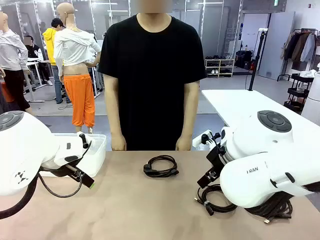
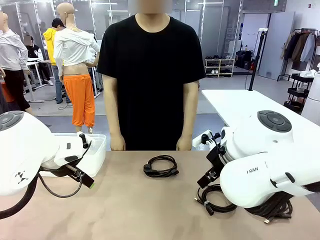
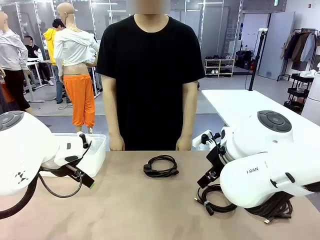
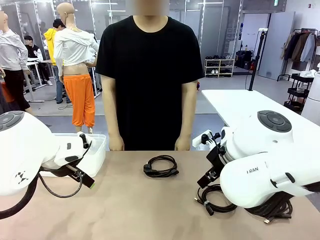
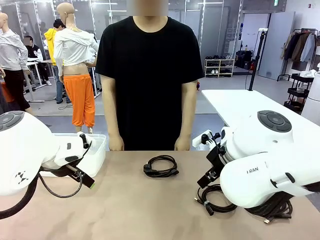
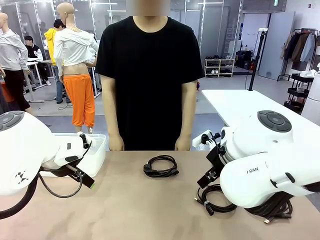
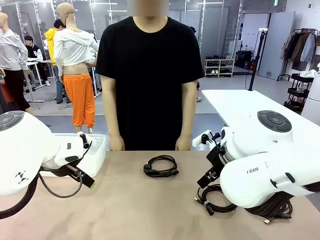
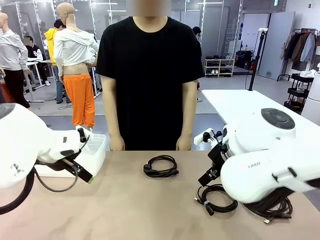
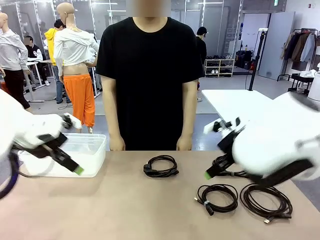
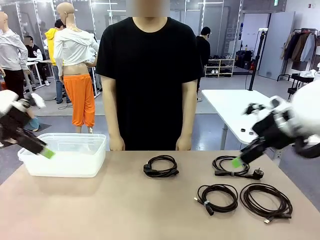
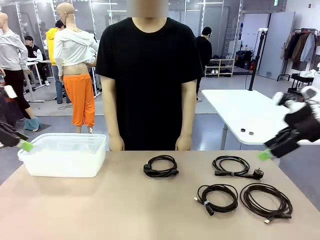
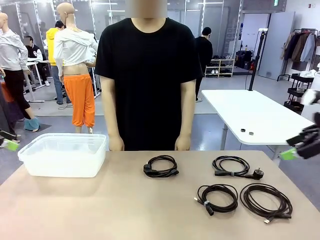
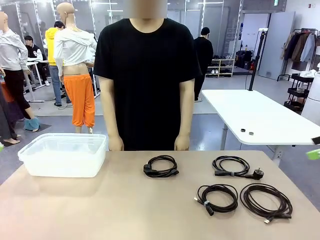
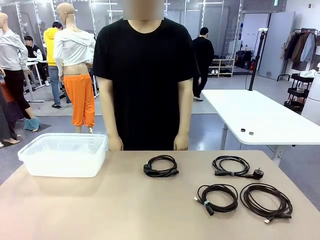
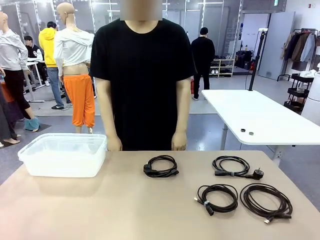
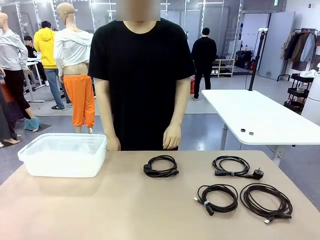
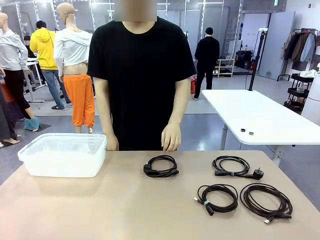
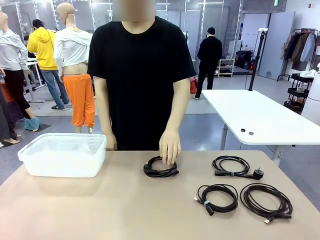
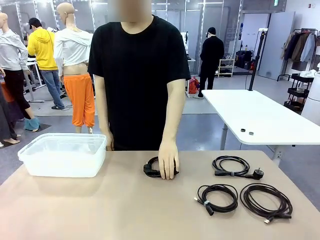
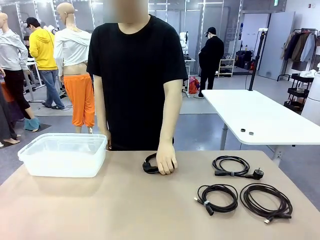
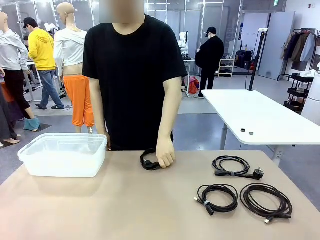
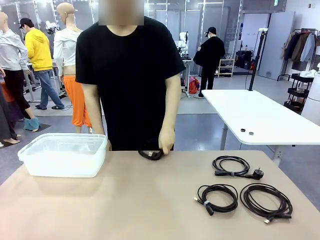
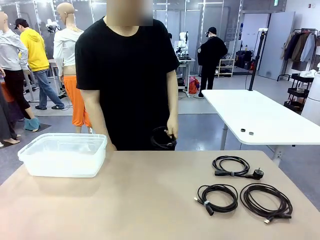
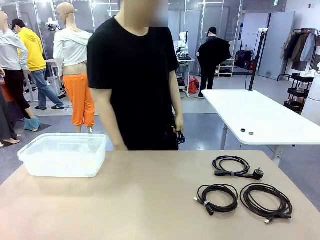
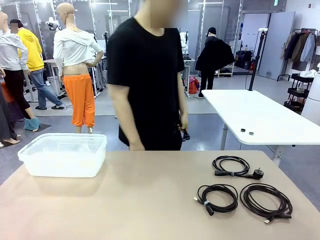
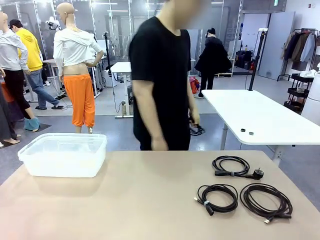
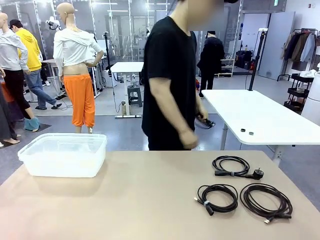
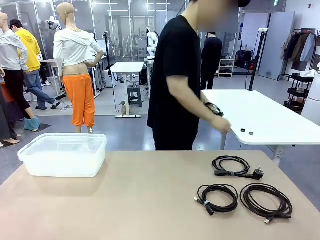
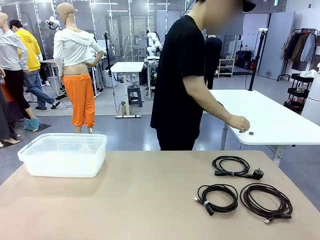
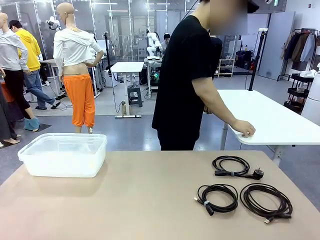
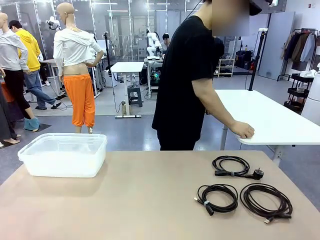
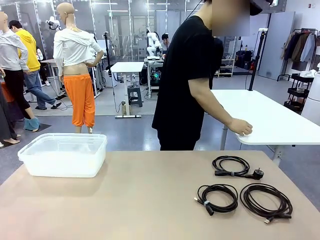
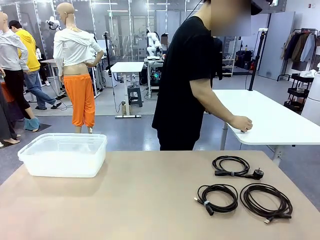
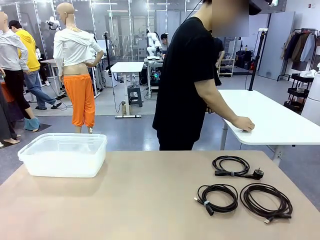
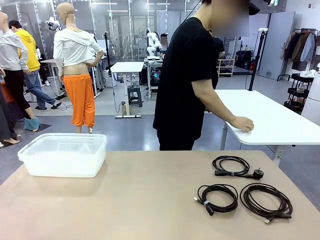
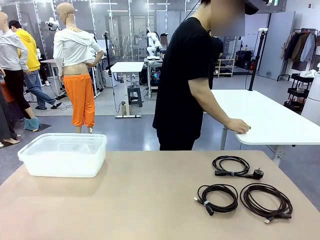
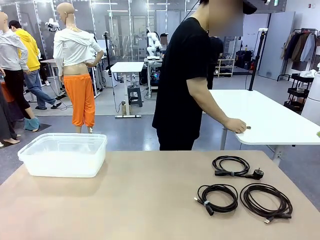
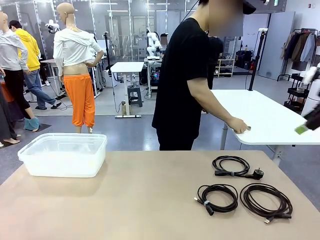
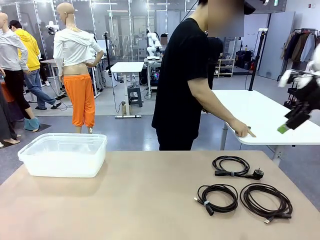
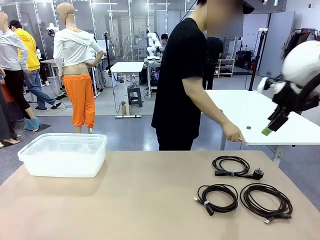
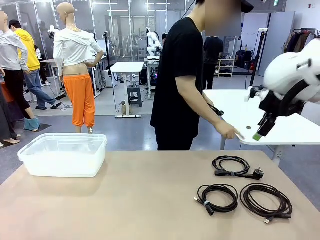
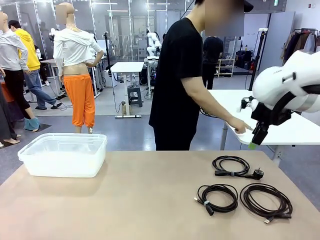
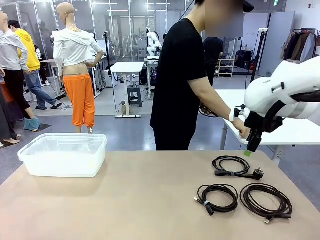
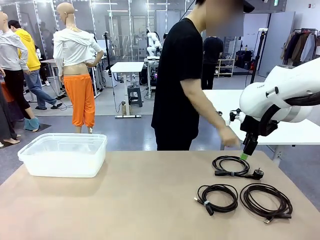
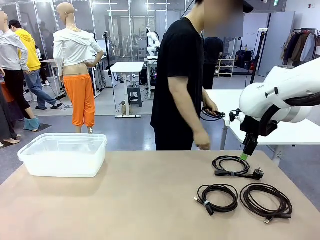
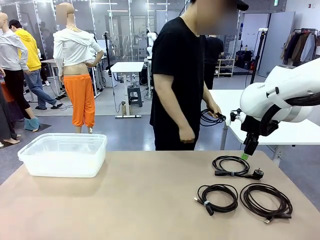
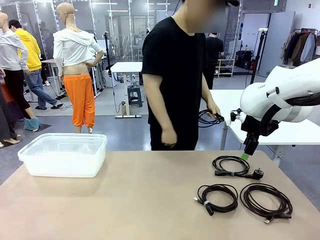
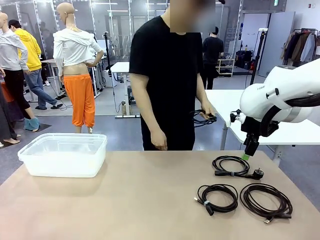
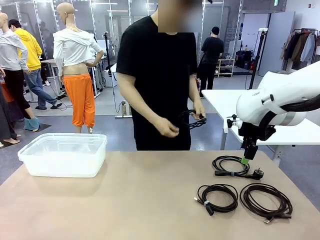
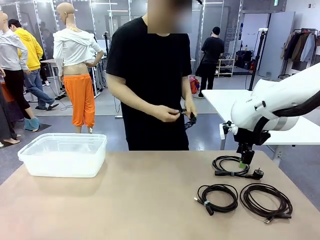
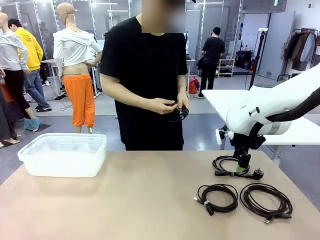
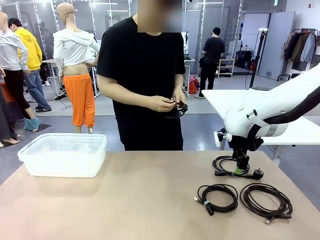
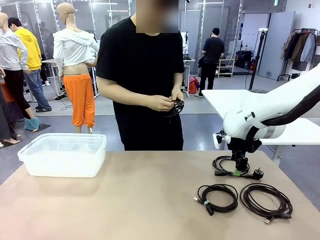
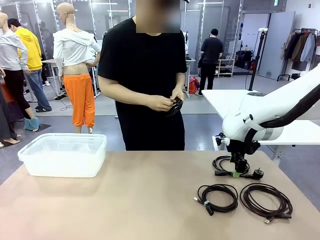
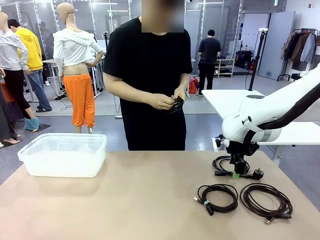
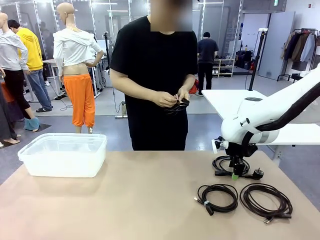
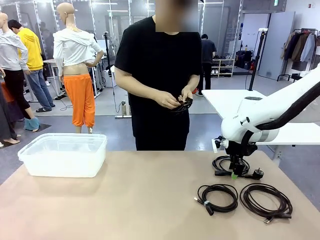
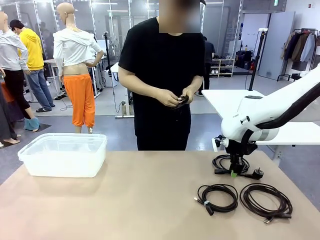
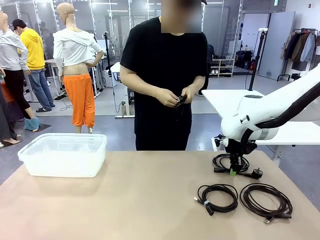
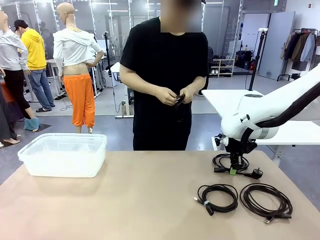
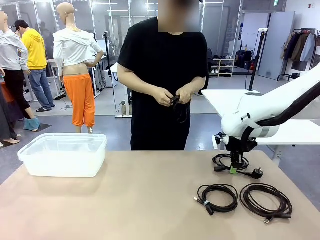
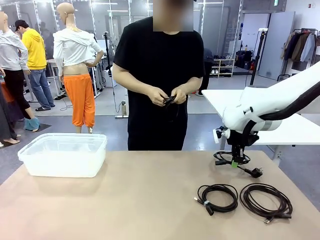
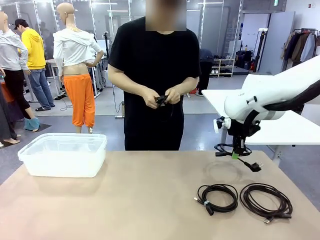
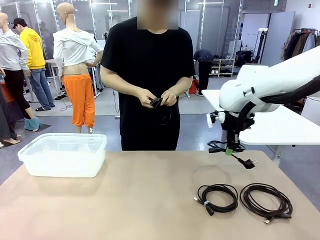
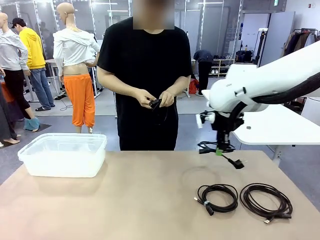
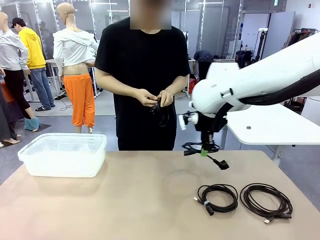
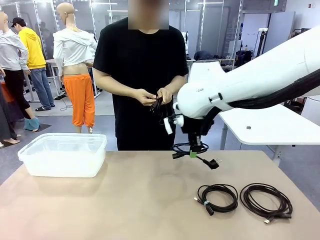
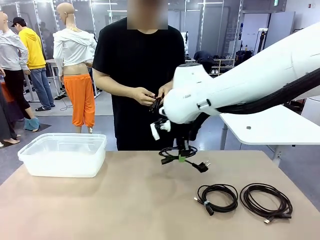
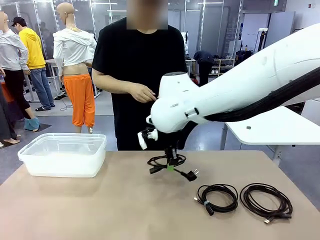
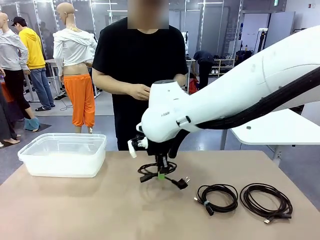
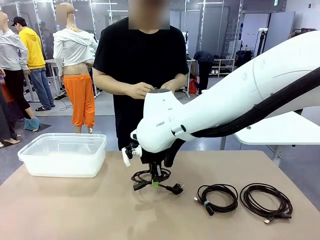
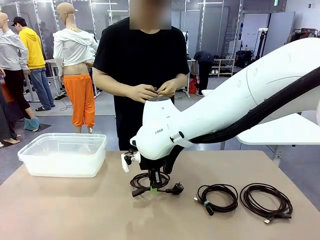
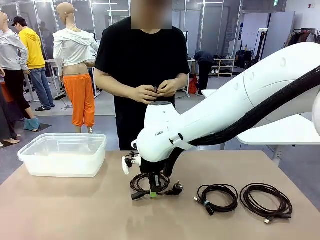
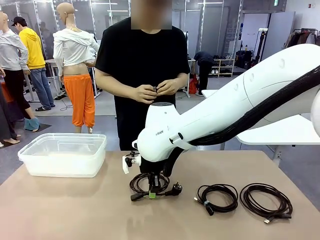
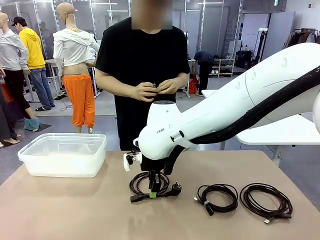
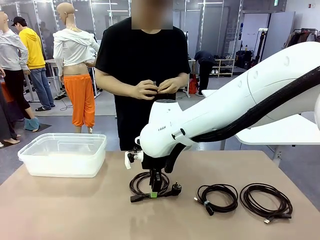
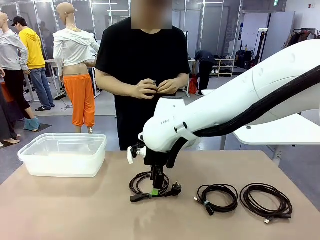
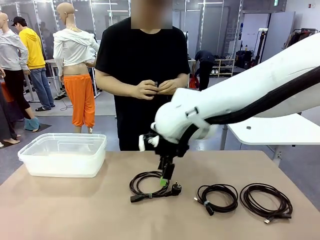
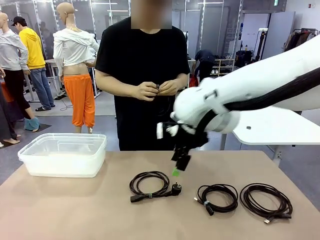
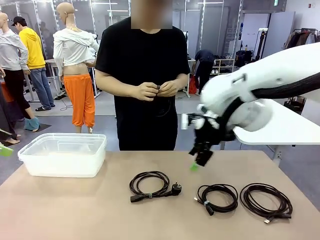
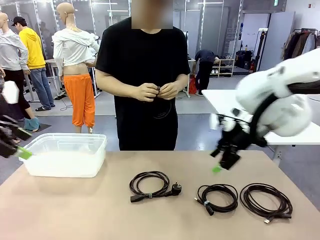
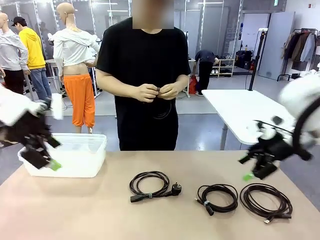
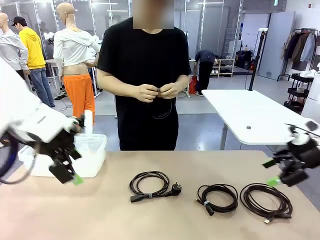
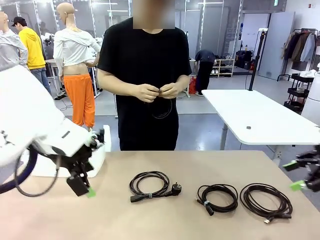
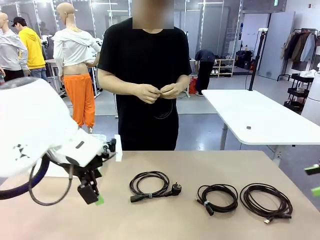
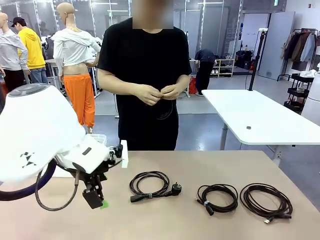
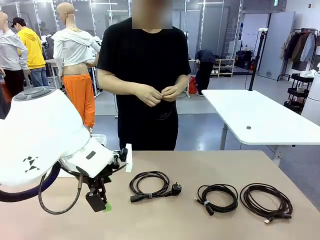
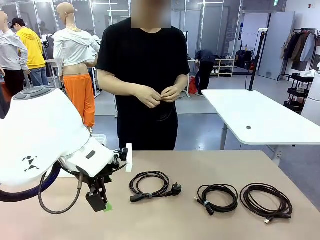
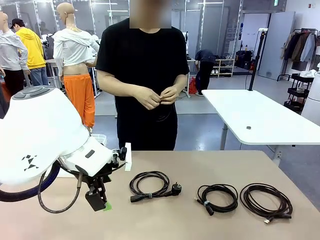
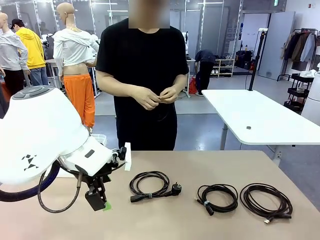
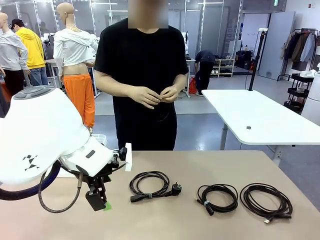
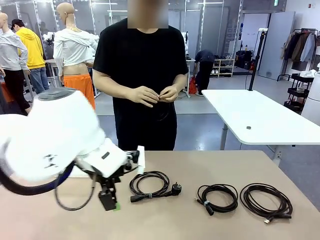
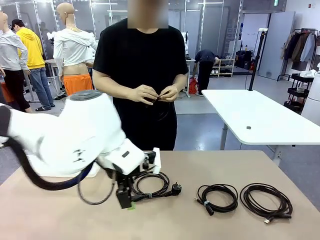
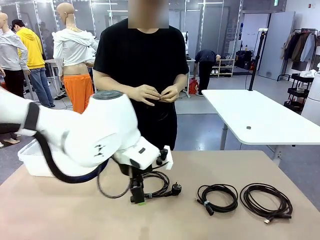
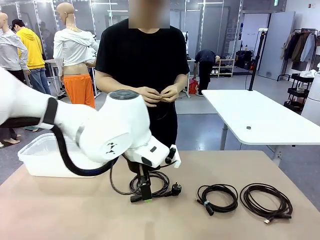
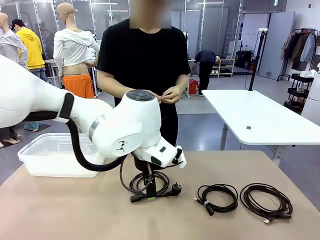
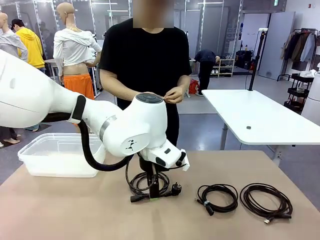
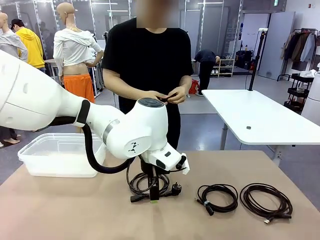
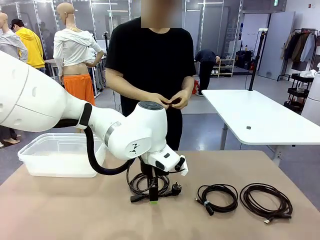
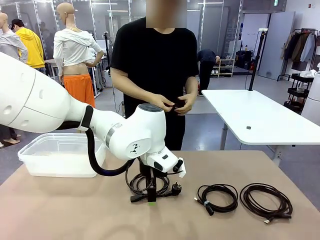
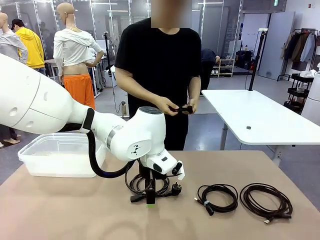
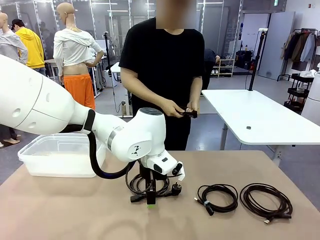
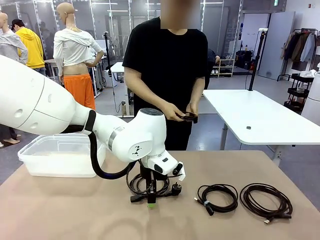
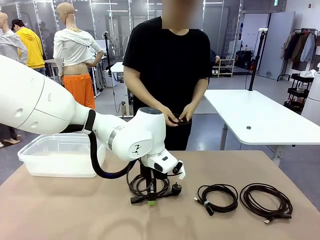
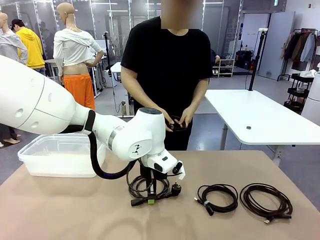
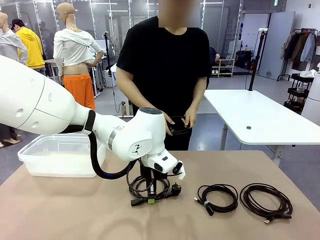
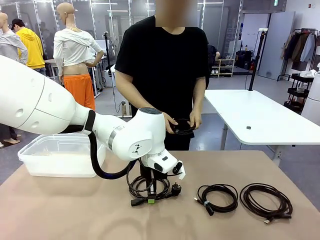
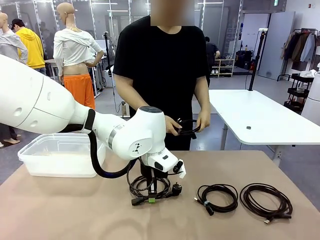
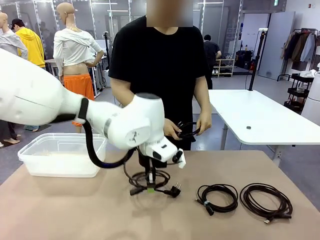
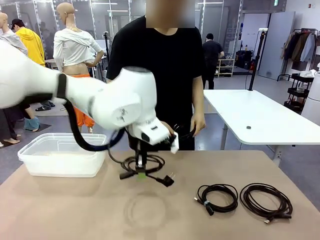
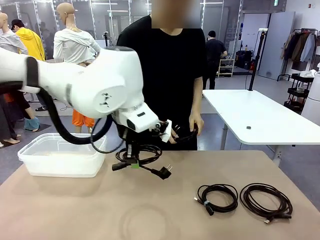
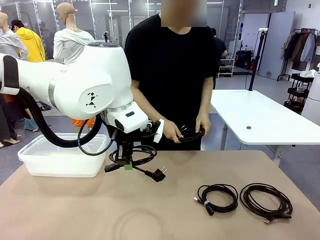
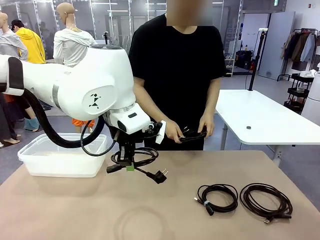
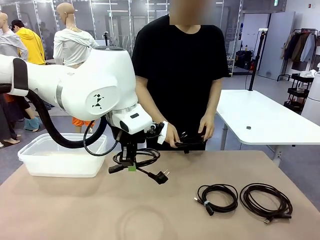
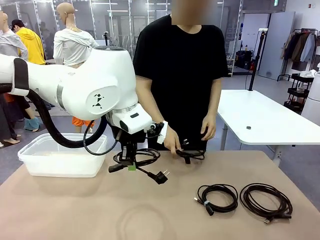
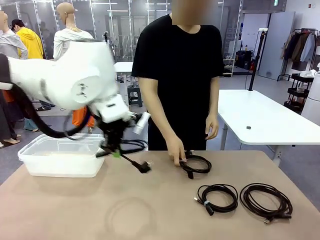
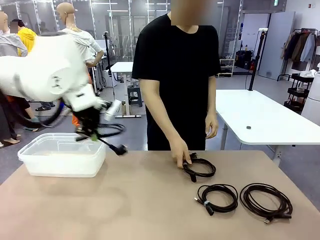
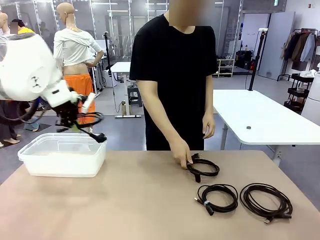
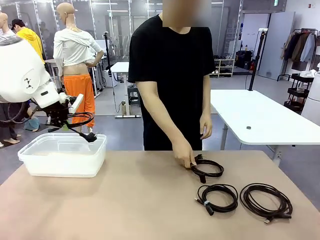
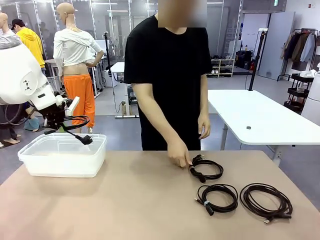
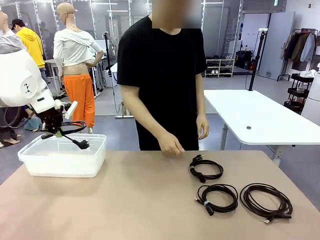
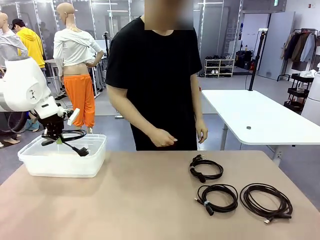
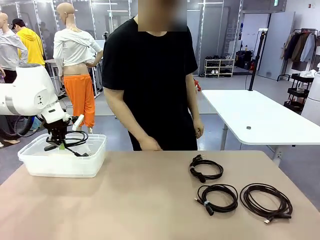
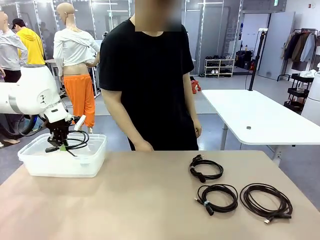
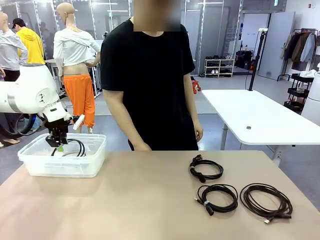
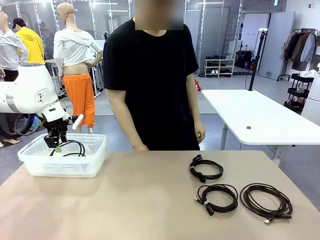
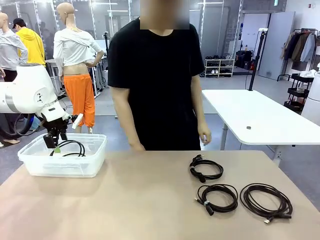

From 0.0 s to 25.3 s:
Task: Organize and store the cables.
Robot: Place the Power Cable into the Organizing box.
Person: Tie one Power Cable with a Reusable Cable Tie.
